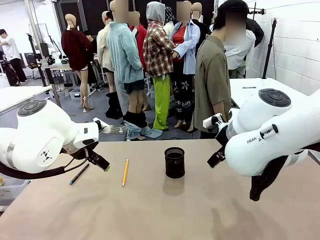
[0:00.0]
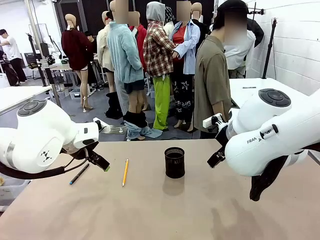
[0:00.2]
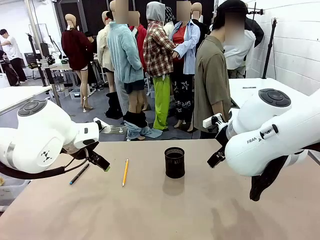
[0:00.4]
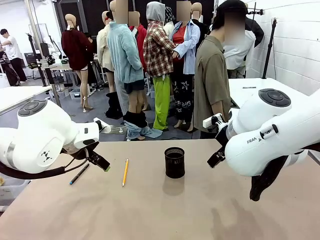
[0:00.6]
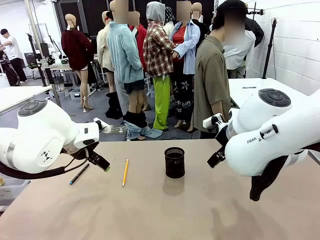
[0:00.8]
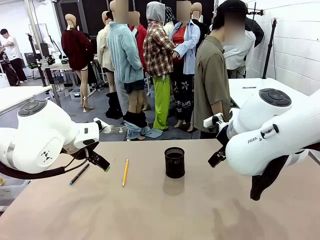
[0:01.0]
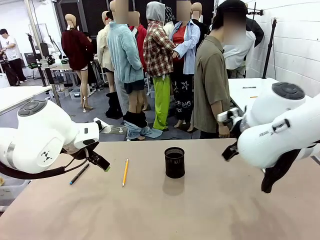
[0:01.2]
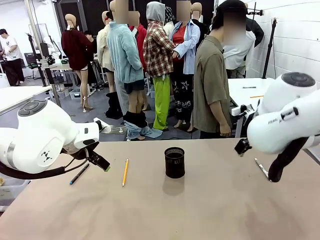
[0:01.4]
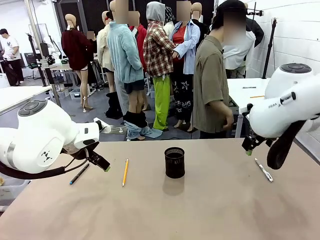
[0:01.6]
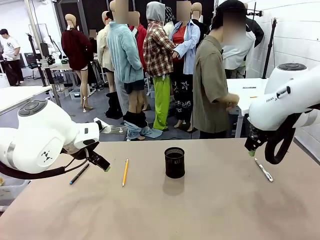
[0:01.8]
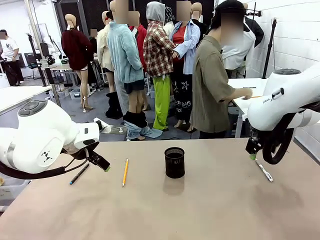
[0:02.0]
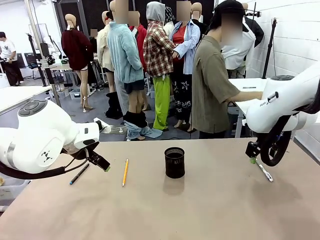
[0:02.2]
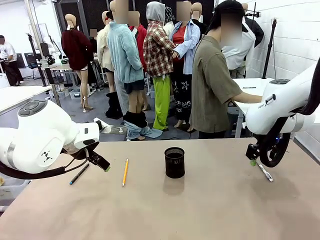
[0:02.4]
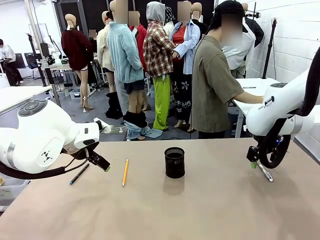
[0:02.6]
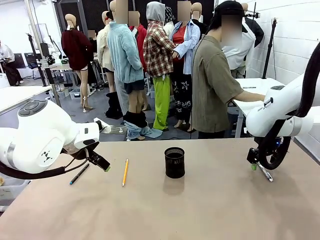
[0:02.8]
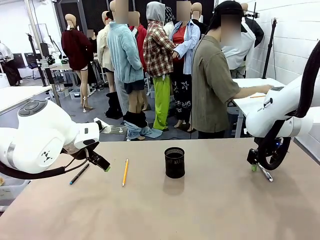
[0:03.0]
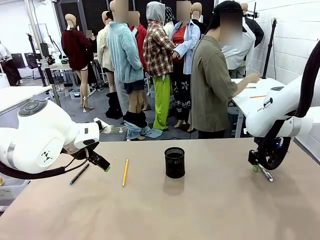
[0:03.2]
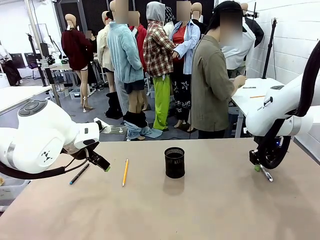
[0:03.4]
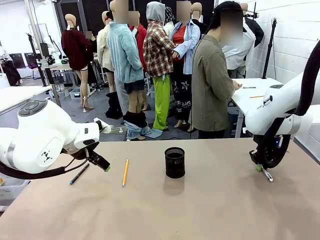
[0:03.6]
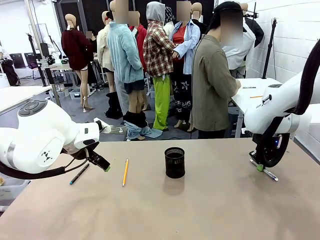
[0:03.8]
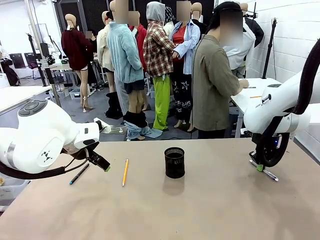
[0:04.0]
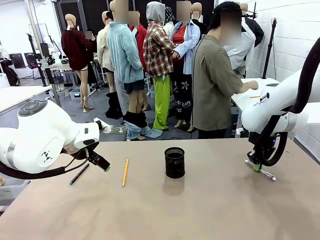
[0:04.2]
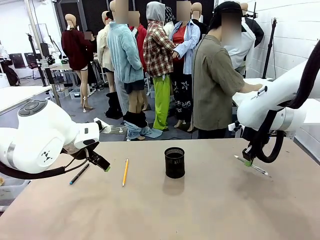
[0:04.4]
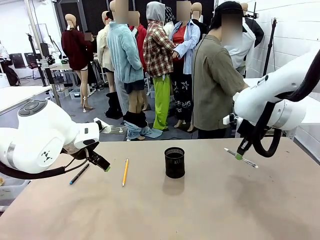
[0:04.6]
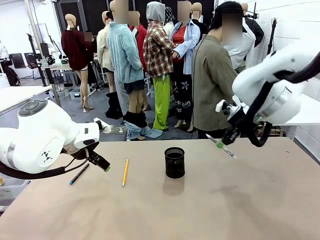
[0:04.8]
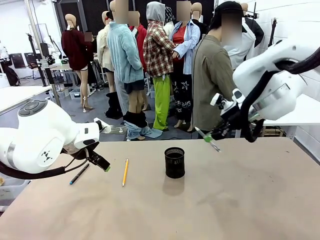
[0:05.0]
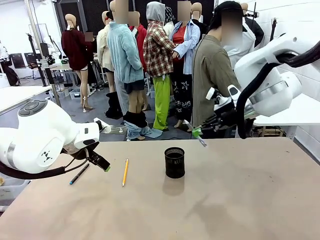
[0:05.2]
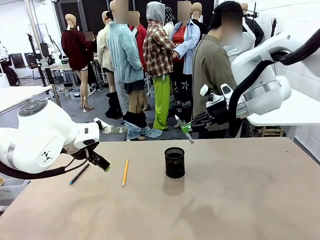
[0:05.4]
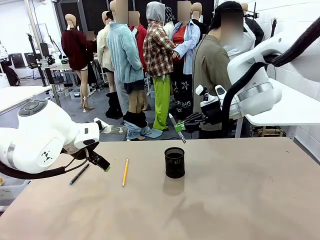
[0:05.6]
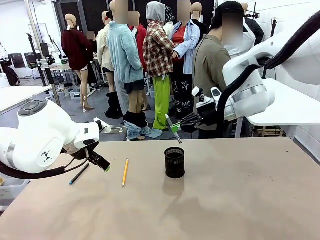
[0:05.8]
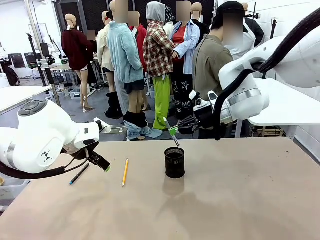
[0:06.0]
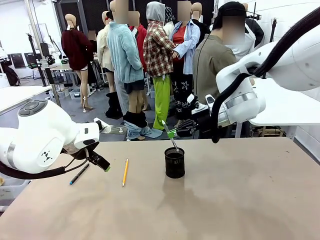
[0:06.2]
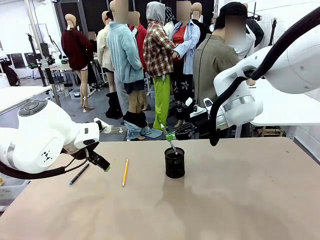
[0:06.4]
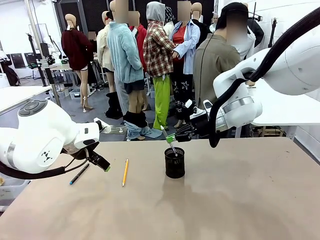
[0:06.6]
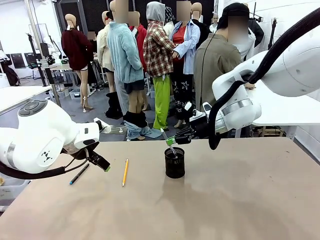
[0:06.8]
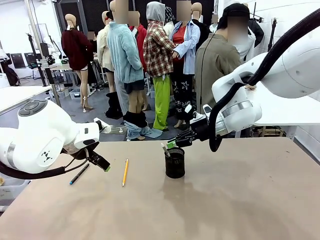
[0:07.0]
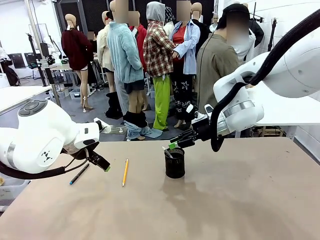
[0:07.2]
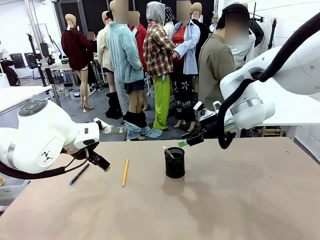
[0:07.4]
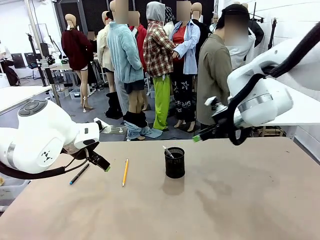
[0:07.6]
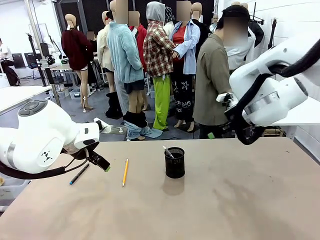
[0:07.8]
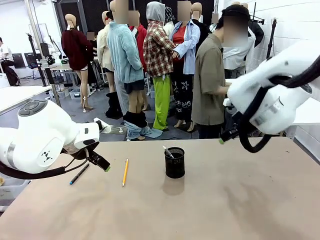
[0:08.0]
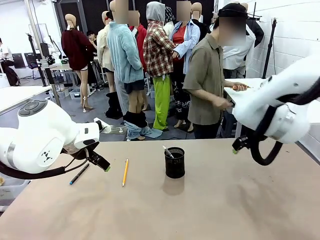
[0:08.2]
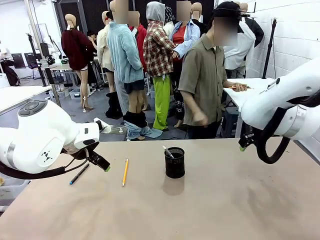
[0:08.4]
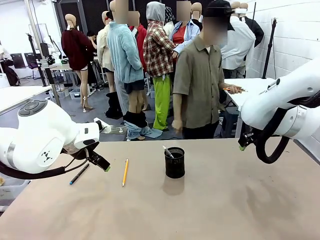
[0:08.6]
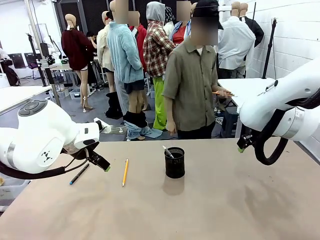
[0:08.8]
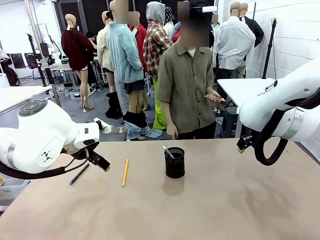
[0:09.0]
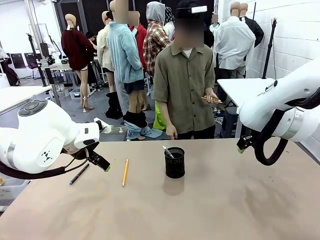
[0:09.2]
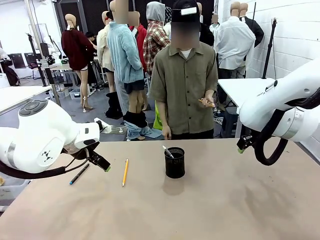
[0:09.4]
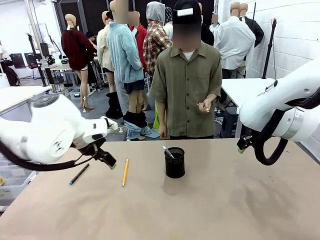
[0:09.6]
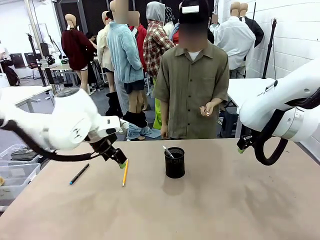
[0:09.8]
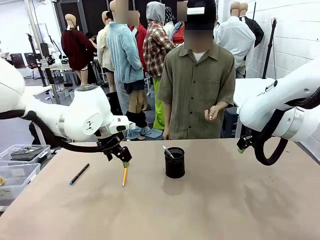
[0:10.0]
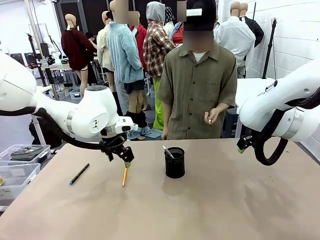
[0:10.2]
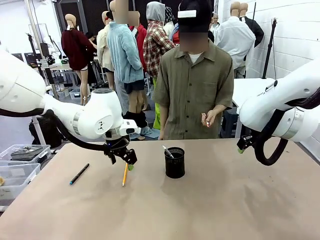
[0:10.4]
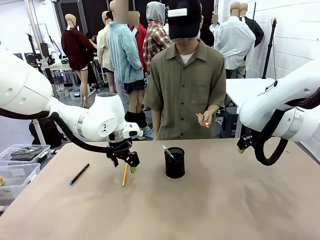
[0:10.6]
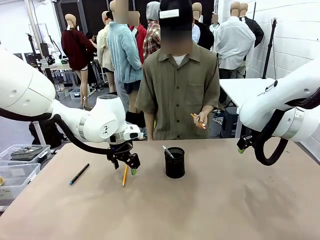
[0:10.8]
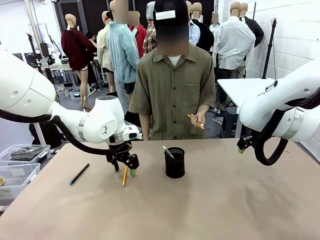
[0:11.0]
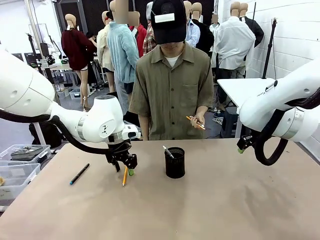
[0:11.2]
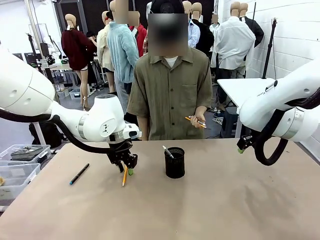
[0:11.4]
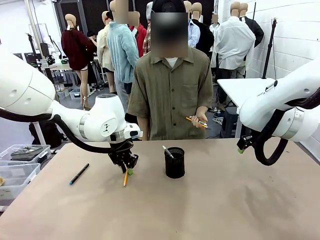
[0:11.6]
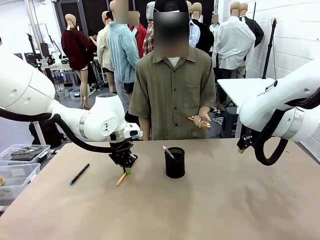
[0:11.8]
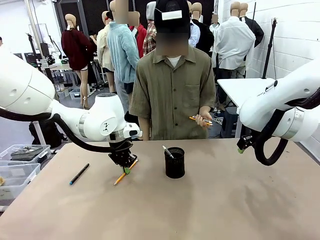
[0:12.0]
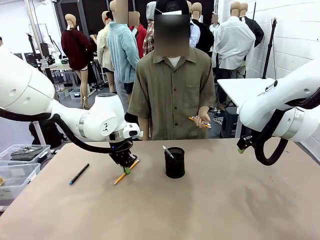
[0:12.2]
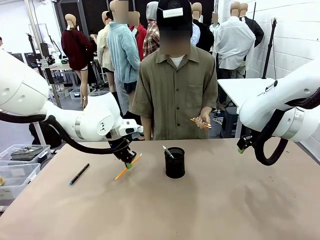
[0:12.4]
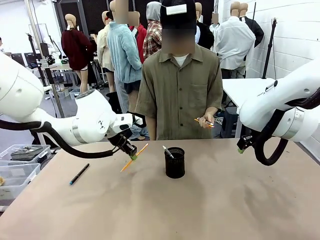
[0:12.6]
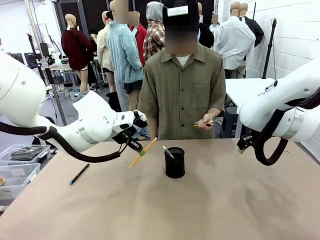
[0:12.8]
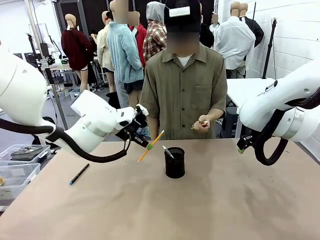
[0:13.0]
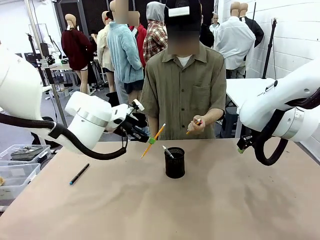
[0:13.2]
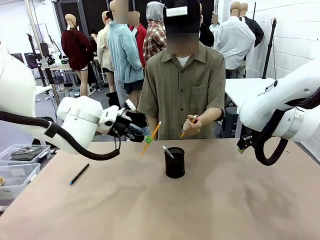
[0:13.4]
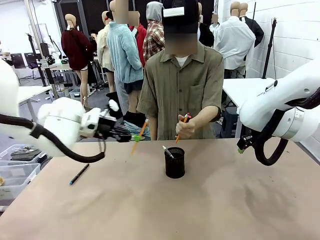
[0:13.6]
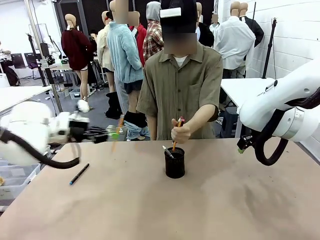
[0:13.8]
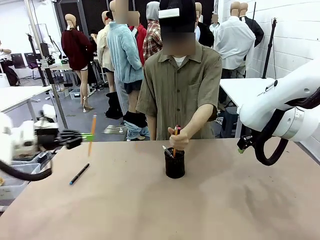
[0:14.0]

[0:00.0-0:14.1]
Task: Place the pens into the pen holder.
Robot: Pick up a writing instrument from the table and place it into the Pen holder.
Person: Pick up all writing instruments from the Human table.
